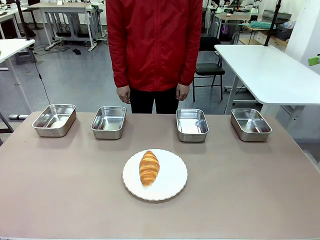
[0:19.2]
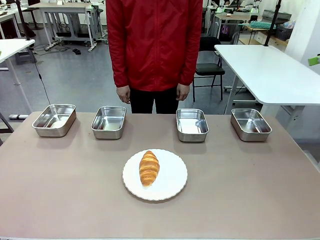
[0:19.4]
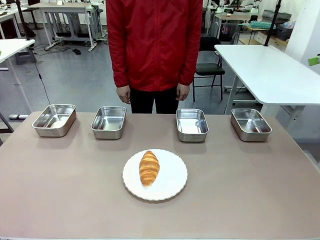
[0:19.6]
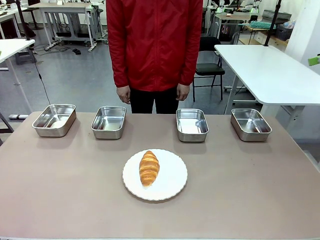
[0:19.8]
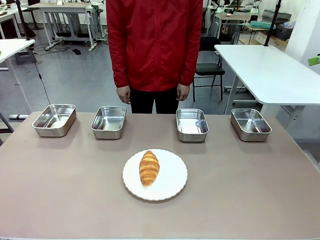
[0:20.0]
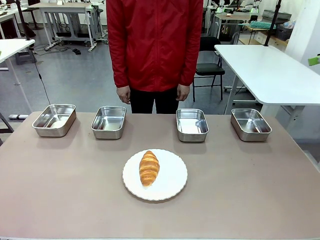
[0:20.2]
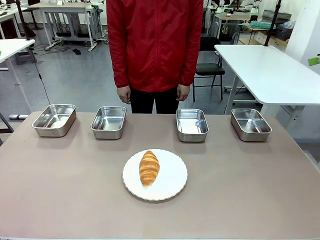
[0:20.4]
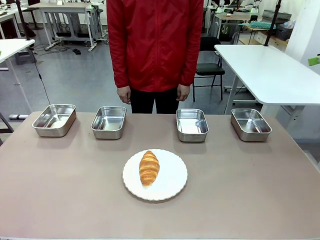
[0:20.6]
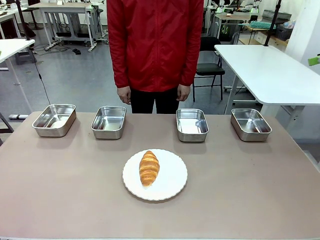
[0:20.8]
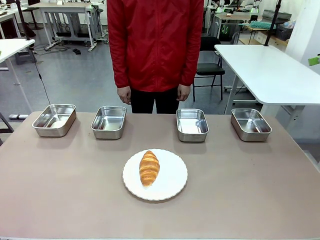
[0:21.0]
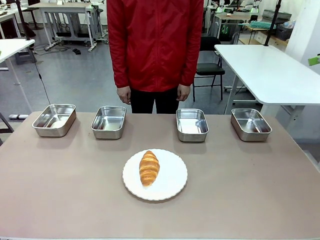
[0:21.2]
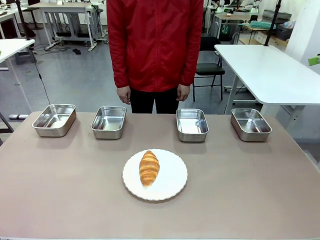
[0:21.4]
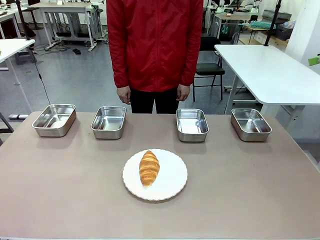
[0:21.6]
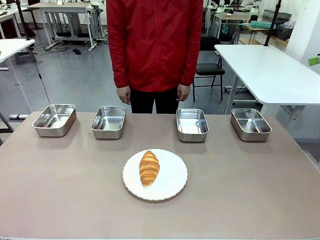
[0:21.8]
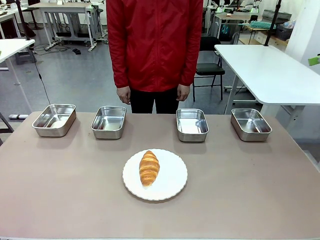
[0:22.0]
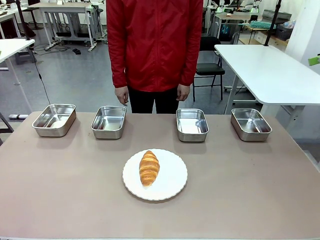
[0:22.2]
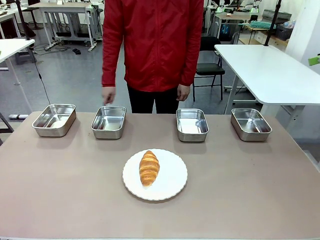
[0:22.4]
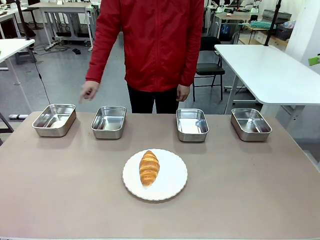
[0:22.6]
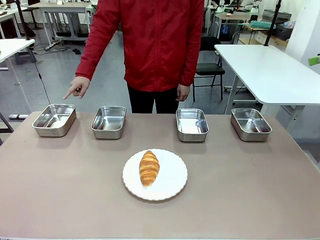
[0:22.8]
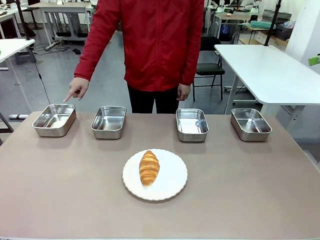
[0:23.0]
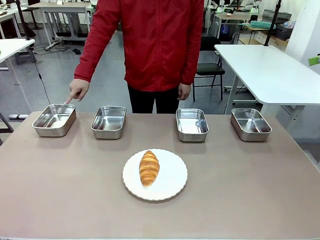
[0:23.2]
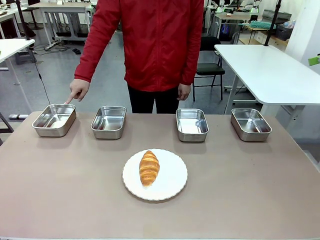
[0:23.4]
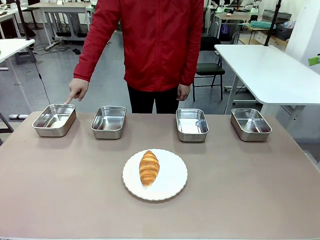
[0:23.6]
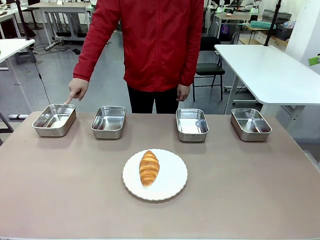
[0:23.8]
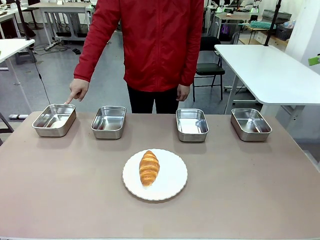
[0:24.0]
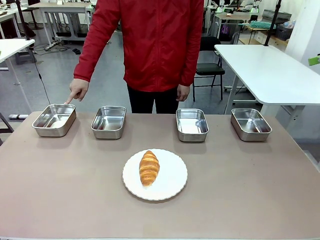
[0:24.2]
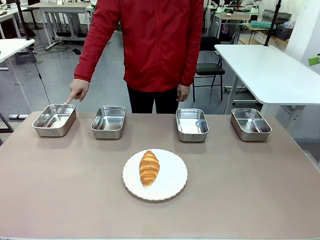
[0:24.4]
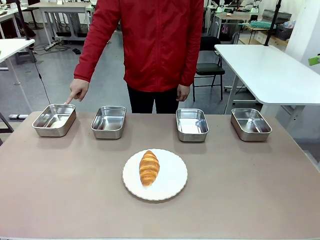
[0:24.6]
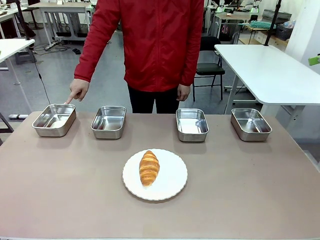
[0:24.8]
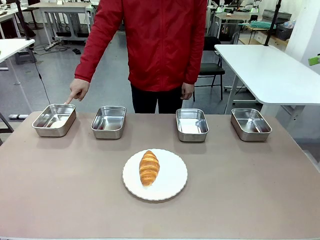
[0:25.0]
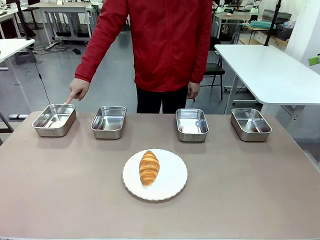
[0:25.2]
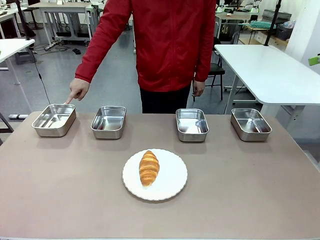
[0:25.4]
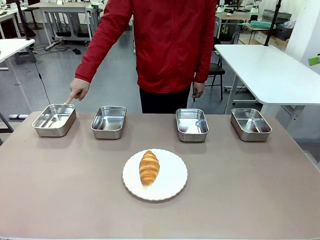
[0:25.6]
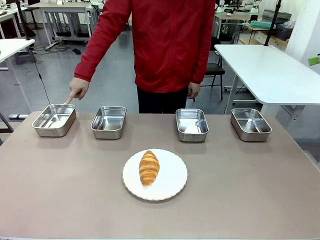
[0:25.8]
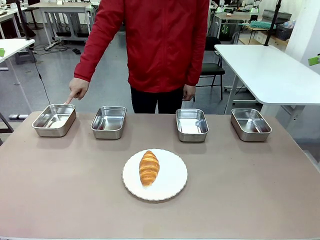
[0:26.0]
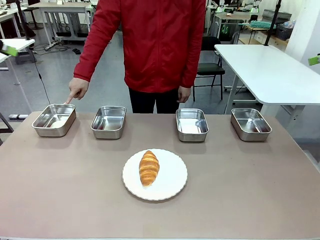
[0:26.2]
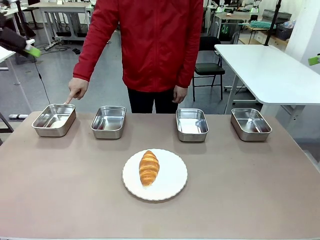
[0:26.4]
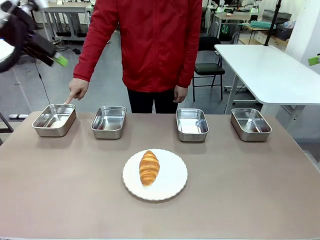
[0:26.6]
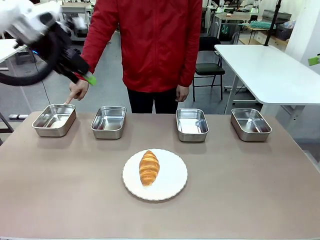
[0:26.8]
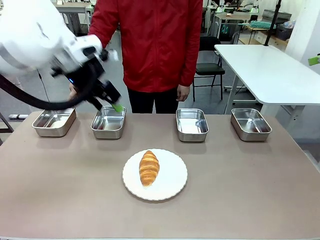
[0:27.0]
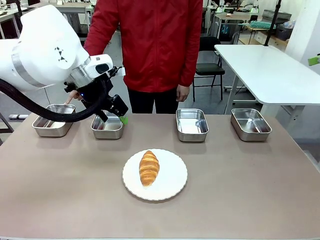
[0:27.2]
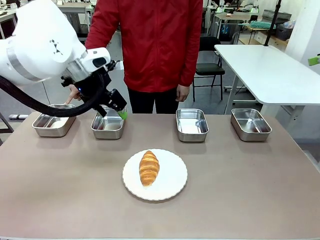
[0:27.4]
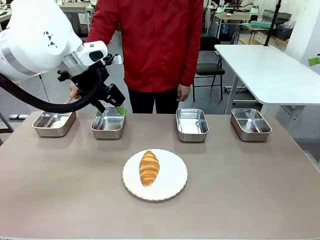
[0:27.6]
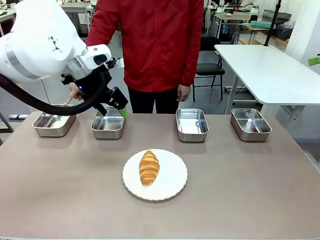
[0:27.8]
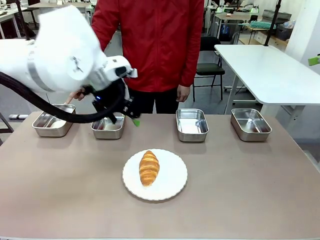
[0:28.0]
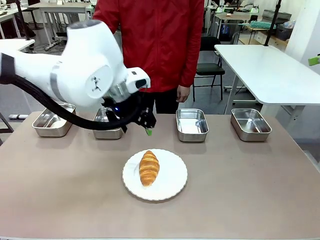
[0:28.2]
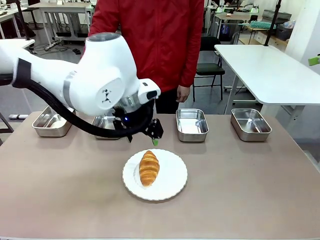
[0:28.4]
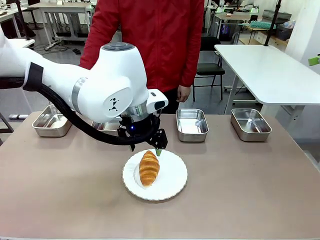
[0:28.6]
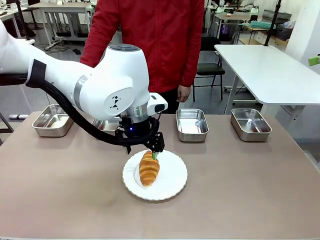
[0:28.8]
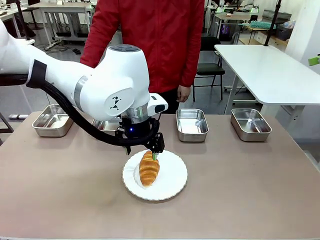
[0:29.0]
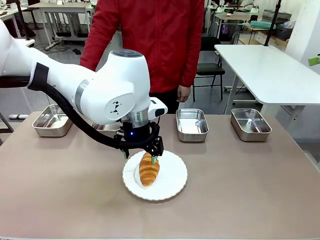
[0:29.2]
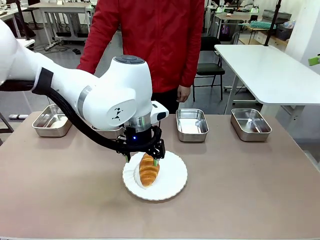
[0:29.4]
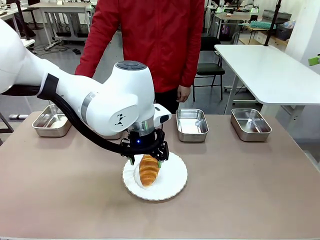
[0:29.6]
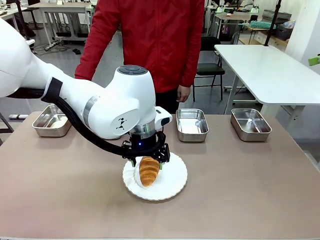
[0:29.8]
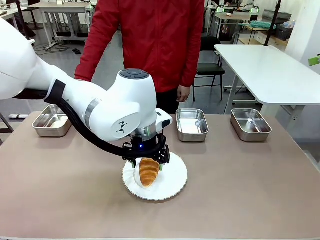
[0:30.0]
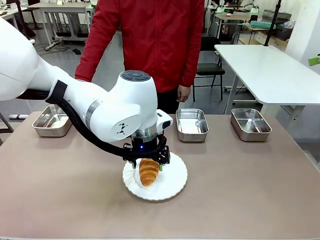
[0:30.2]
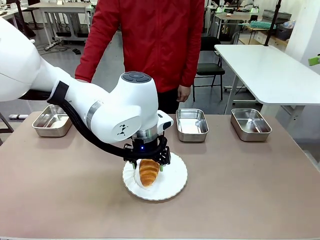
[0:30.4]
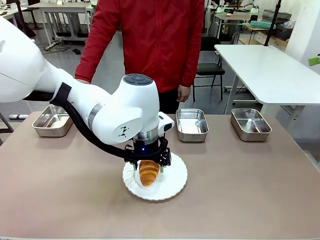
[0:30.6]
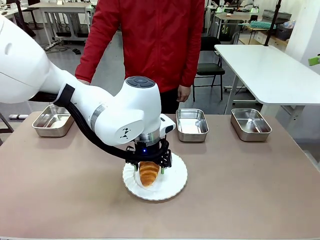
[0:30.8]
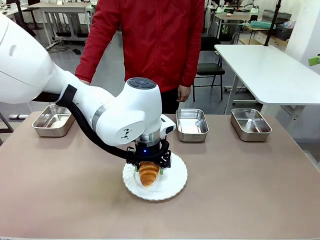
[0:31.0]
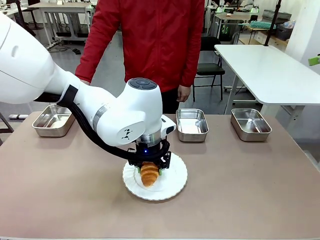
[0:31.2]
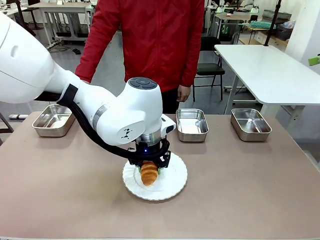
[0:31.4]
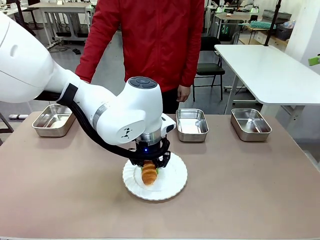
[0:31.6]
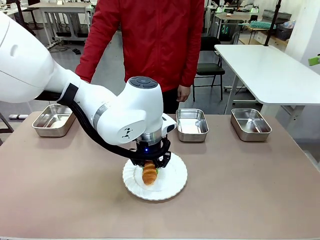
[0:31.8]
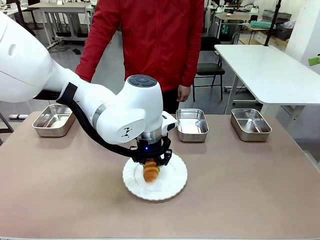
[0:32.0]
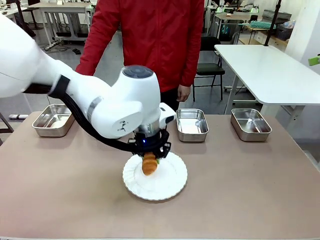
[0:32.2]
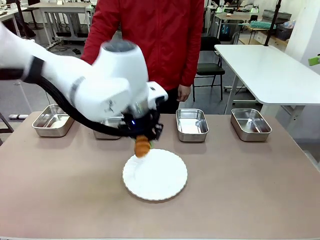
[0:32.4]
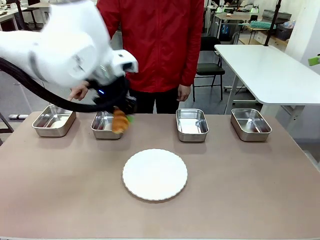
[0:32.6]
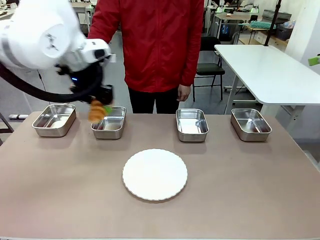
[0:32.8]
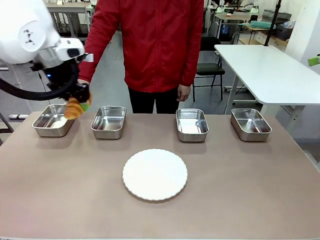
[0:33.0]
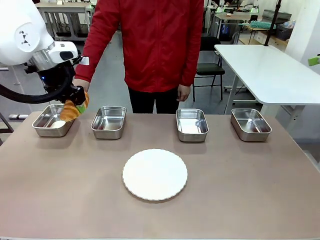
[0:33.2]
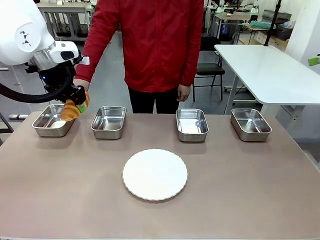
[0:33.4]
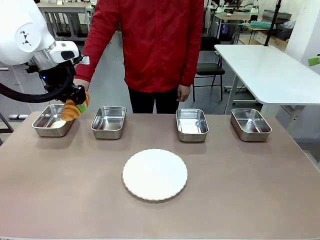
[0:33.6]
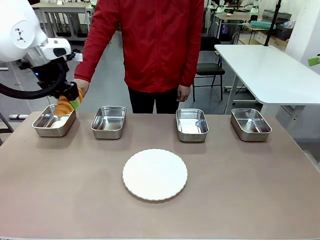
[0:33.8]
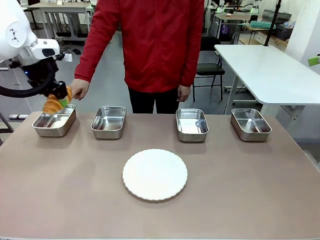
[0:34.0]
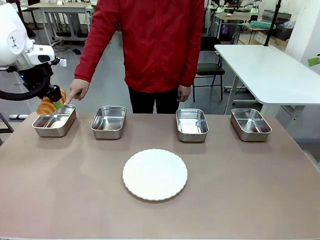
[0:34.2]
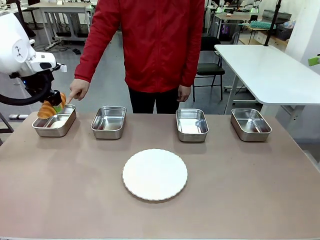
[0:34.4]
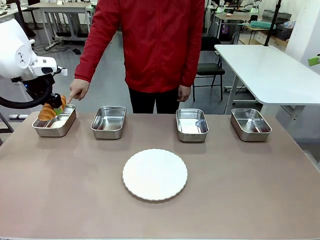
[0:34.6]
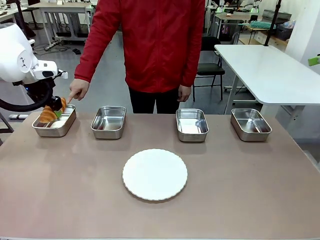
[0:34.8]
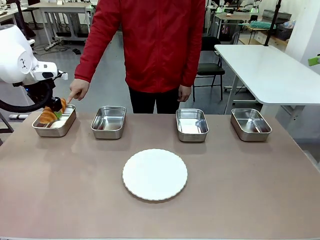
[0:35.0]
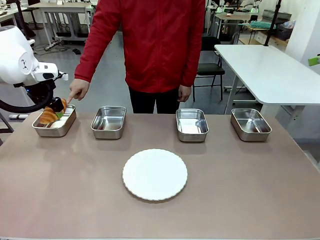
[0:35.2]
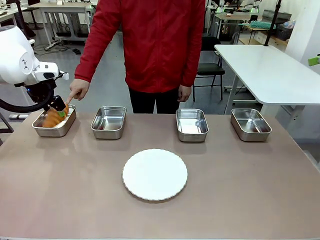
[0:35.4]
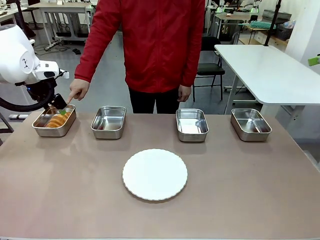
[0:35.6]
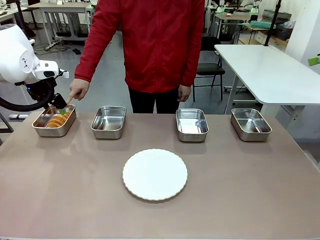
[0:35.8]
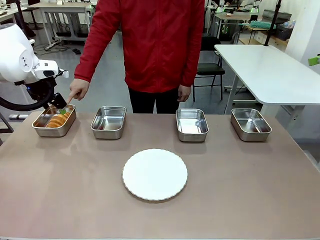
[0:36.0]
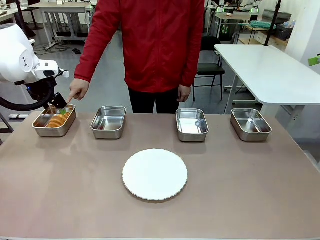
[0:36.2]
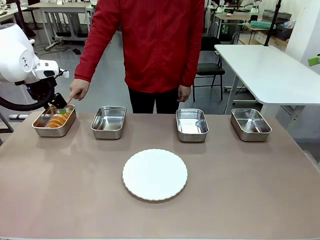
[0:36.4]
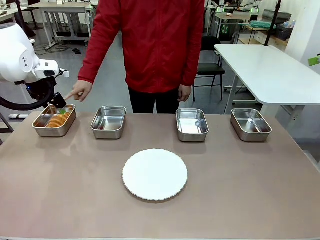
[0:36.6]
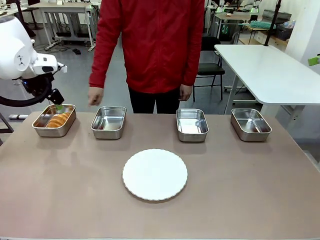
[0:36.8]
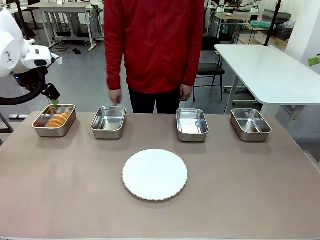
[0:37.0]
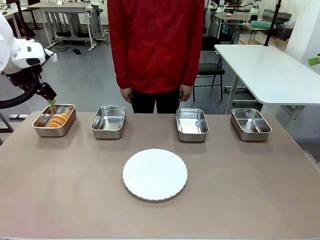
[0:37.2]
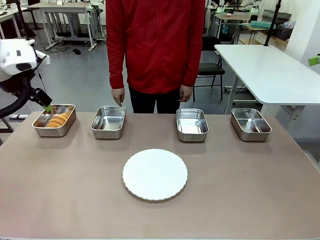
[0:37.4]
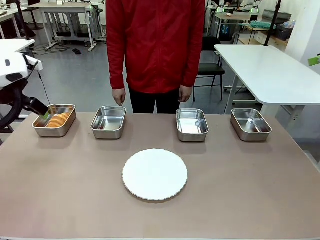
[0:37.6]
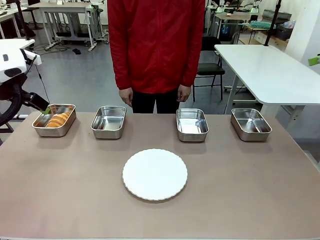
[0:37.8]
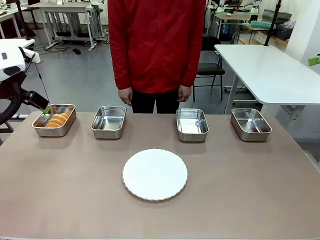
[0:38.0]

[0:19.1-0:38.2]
Task: Place the bread in the container.
Robot: Place the Butter Roll into the Airtight Container indicated by the human.
